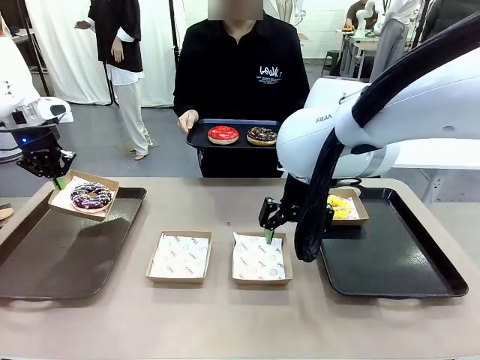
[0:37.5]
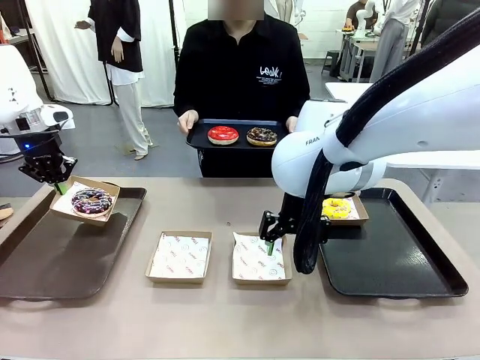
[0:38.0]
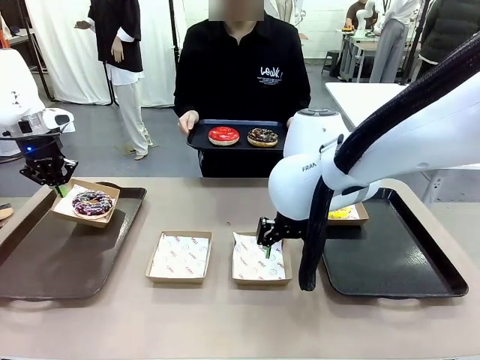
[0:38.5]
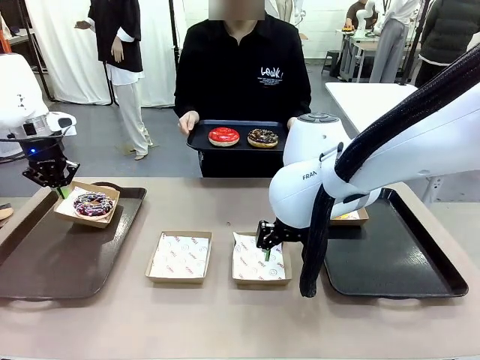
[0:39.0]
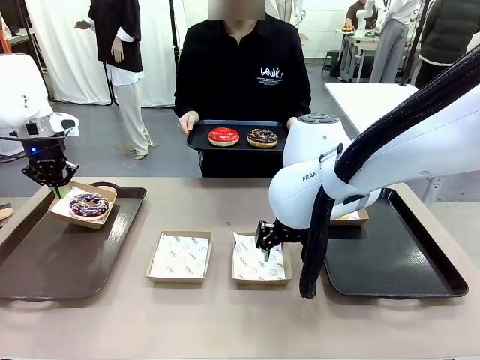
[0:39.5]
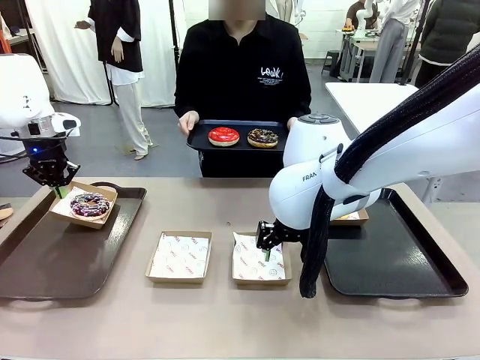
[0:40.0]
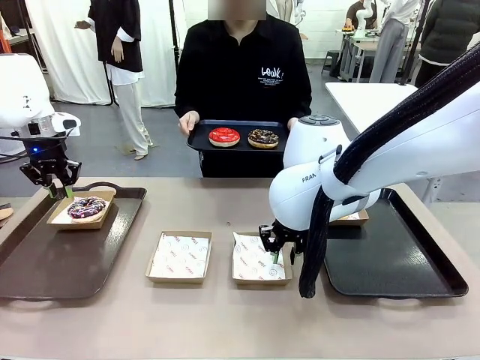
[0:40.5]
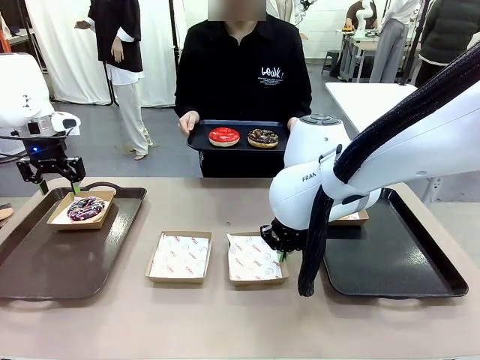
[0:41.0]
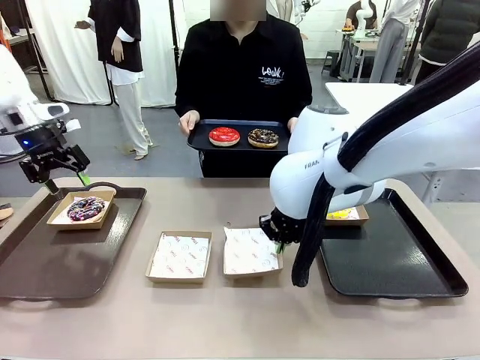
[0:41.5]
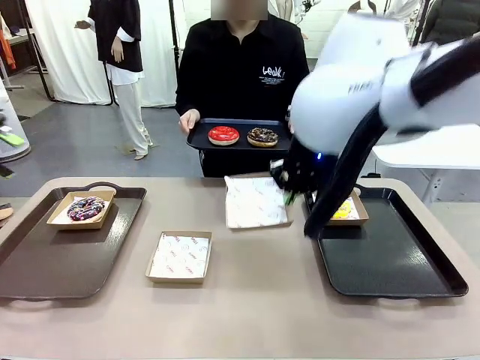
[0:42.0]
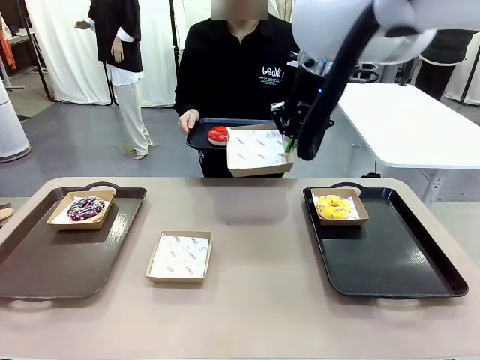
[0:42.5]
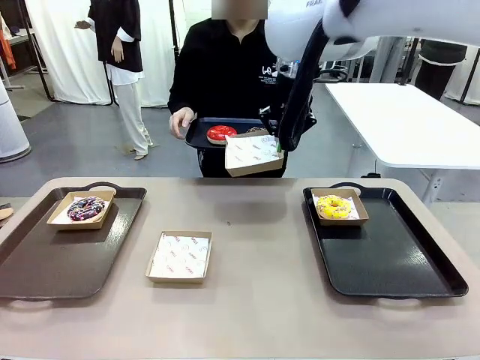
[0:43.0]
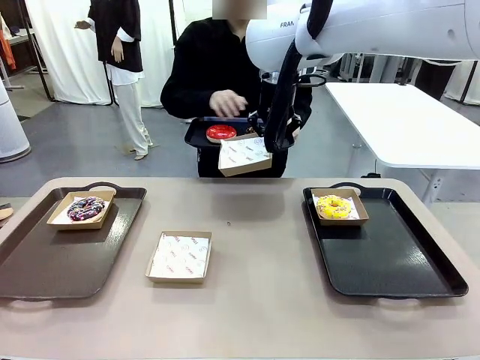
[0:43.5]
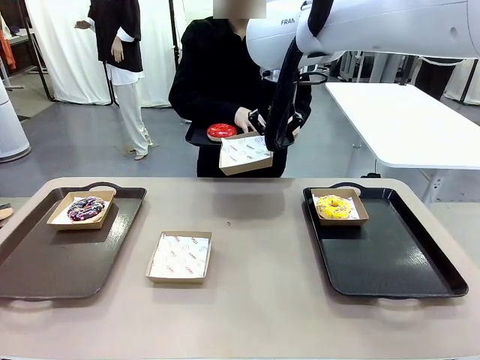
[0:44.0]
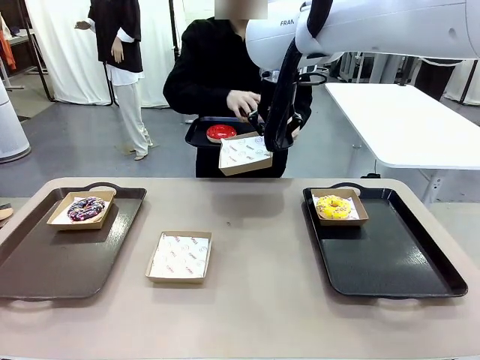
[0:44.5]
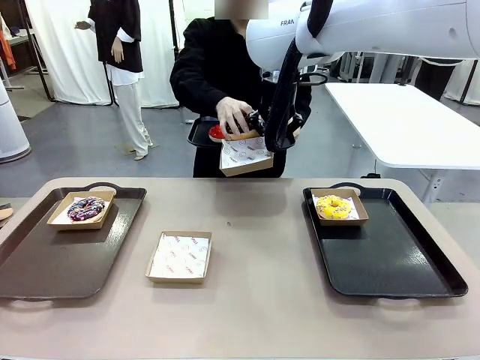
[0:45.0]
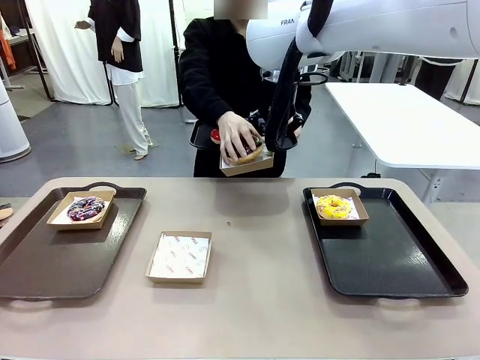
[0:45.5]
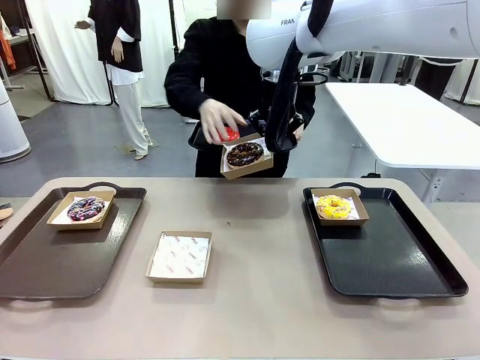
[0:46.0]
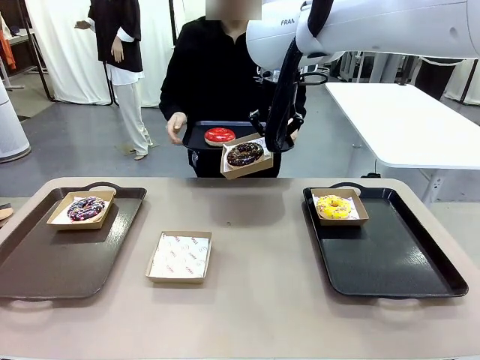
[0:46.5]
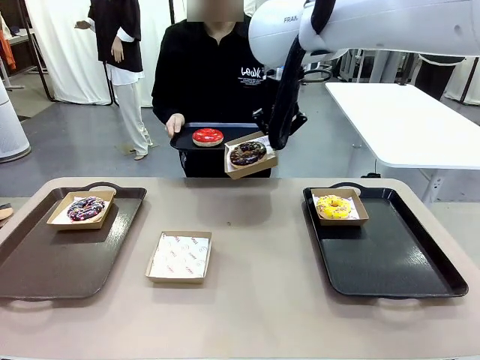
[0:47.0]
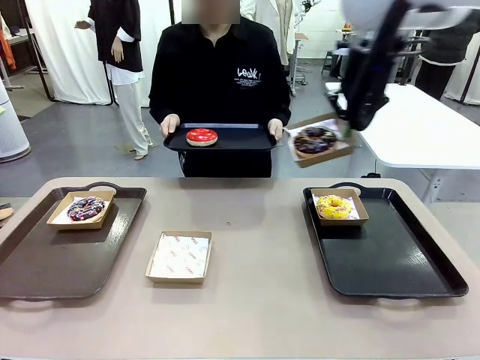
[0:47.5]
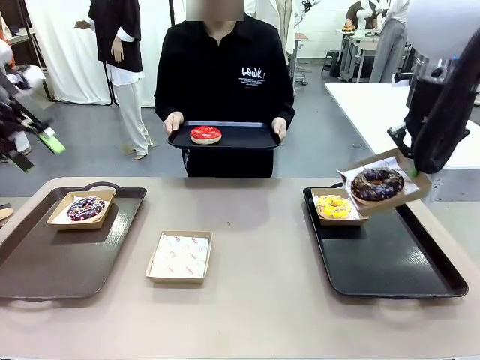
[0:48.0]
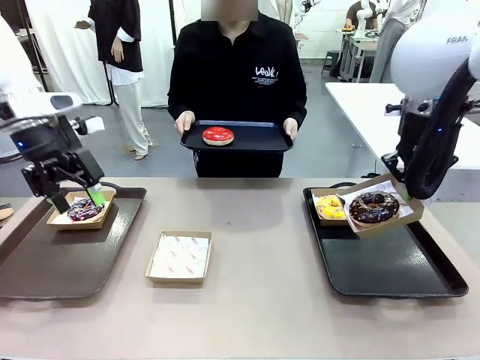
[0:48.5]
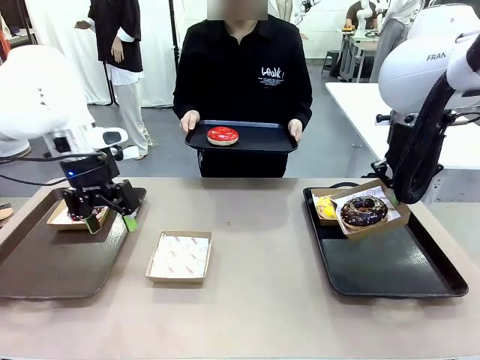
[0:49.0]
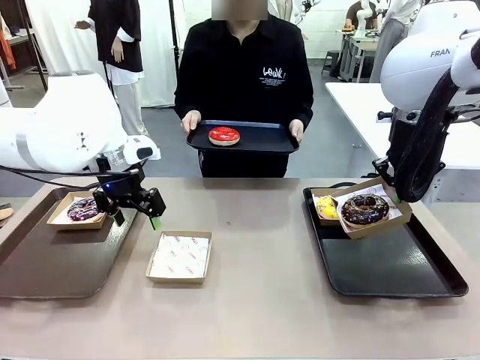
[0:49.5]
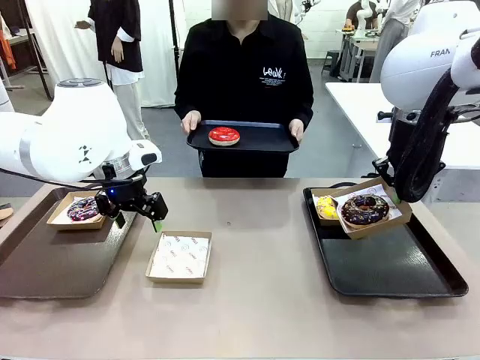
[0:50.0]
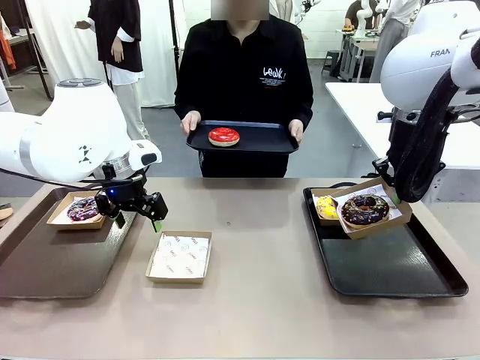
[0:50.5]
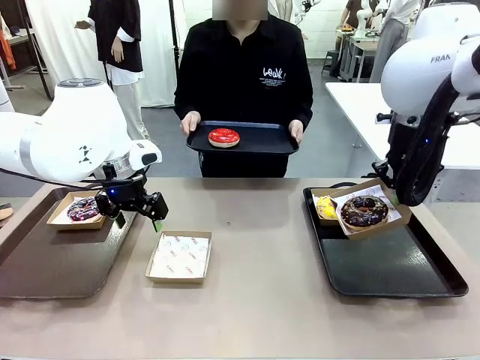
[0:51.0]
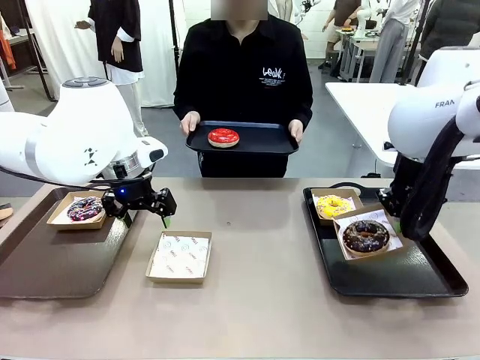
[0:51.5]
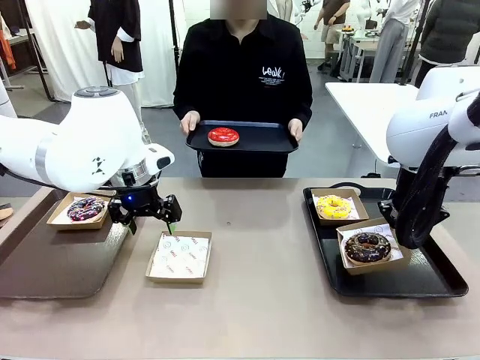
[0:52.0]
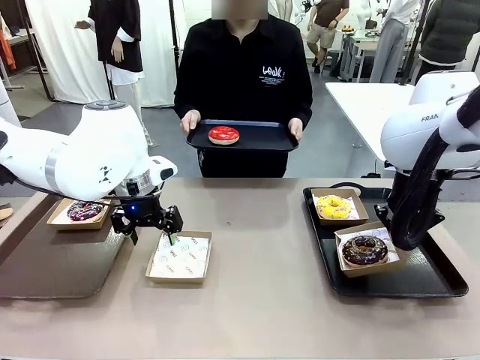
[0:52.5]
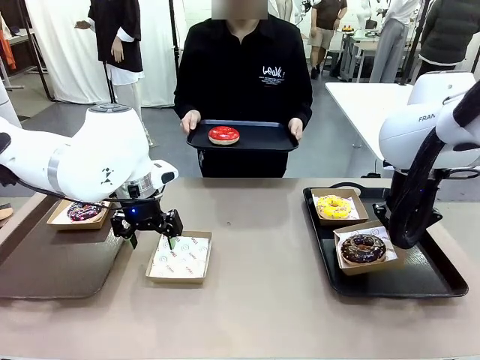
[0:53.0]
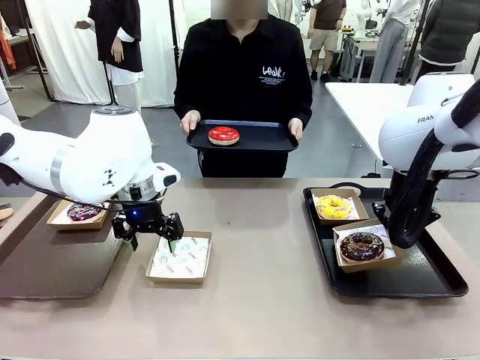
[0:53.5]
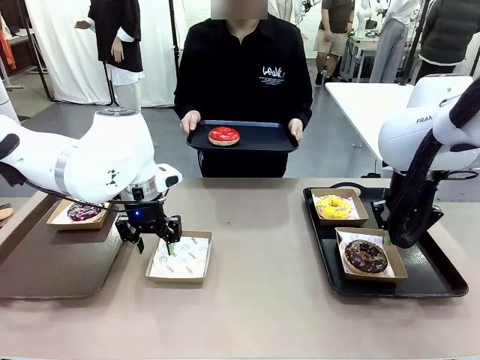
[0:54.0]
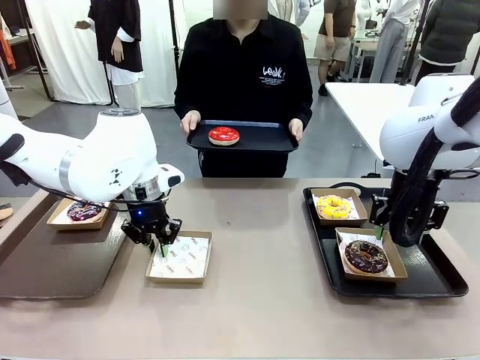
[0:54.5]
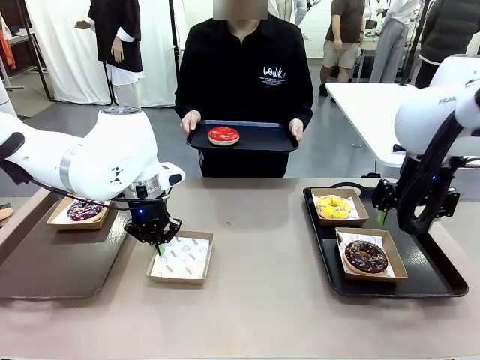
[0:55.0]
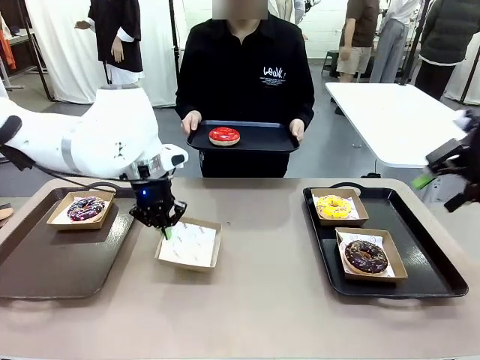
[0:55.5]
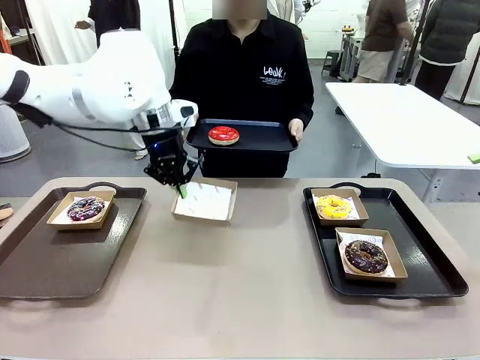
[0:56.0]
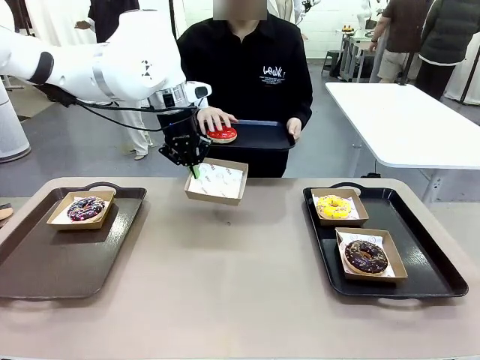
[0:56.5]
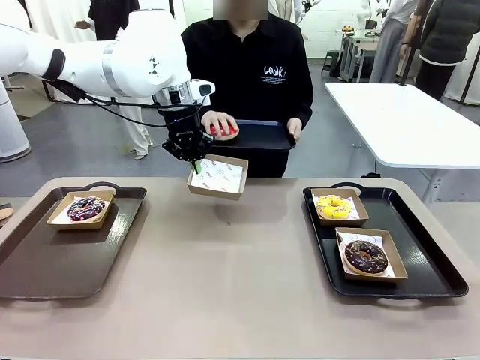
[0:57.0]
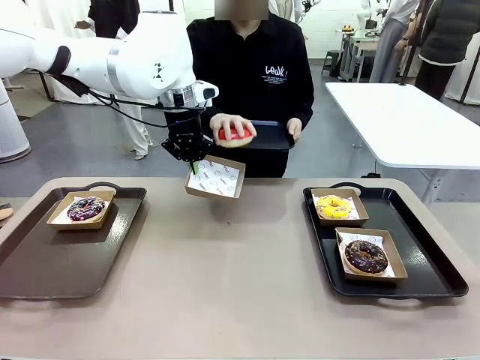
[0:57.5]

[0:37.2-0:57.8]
Task: Individually package the donuts and arrange them on the tray.
Robot: Place the picked Paper togo box on the Handle tray while simultaneously picking up another Paper togo box from the table with the other hand.

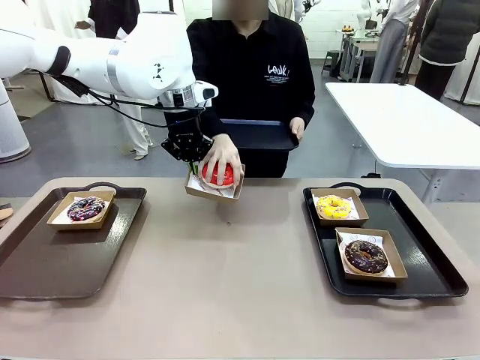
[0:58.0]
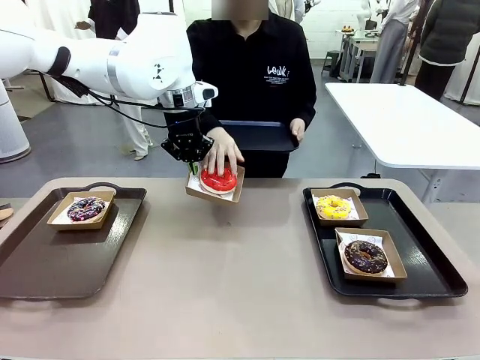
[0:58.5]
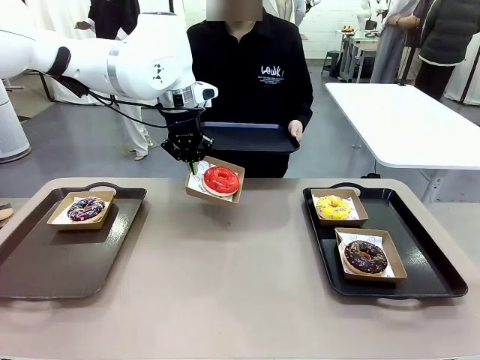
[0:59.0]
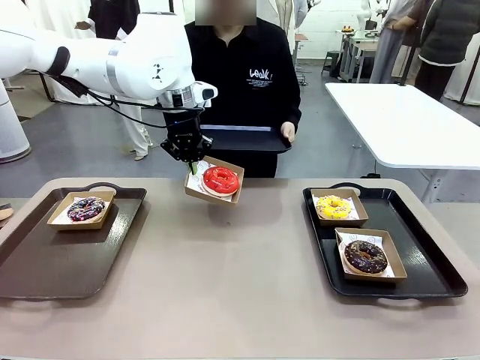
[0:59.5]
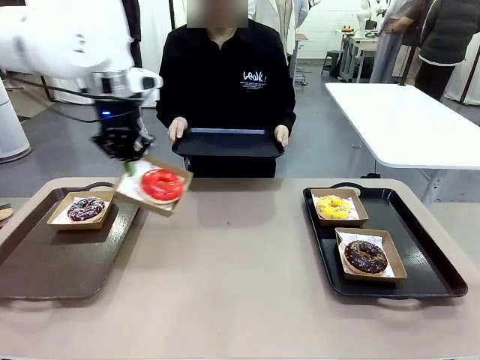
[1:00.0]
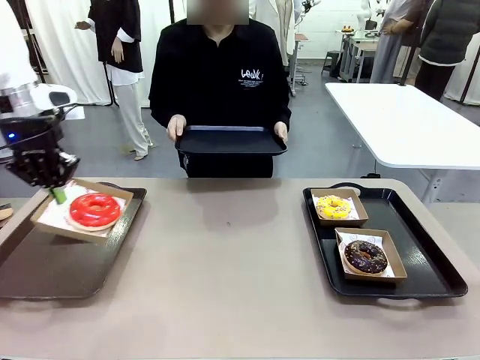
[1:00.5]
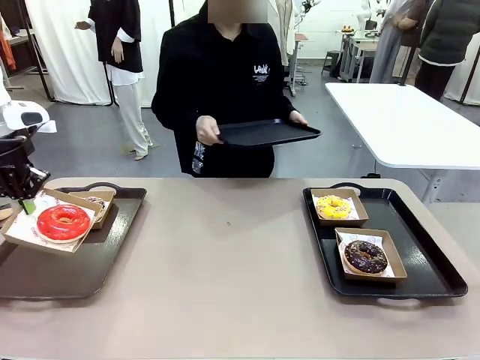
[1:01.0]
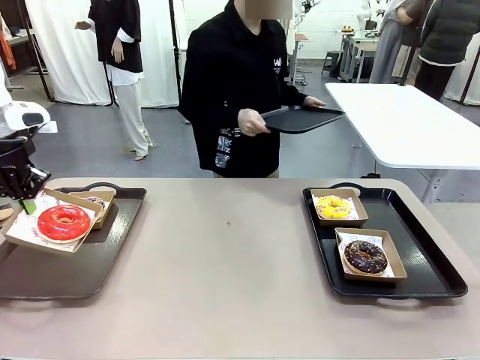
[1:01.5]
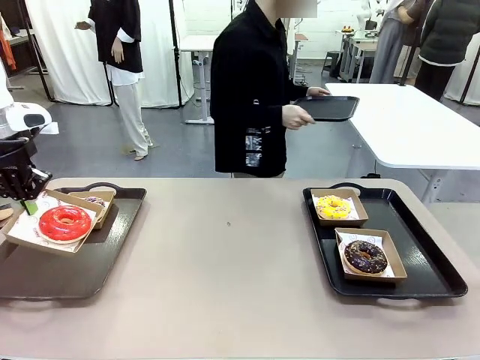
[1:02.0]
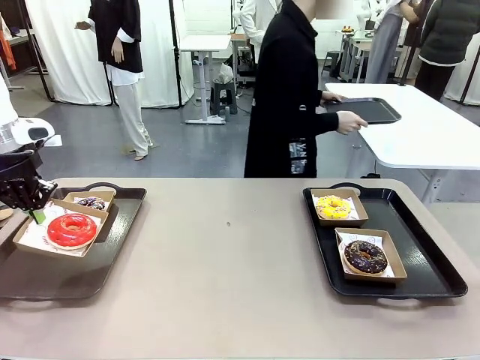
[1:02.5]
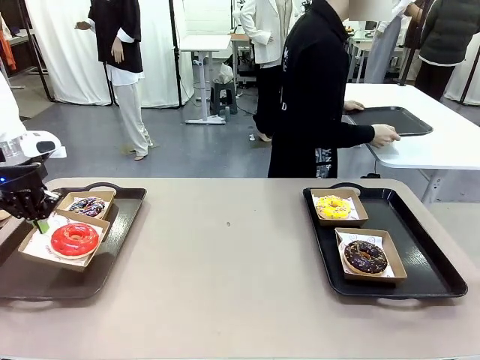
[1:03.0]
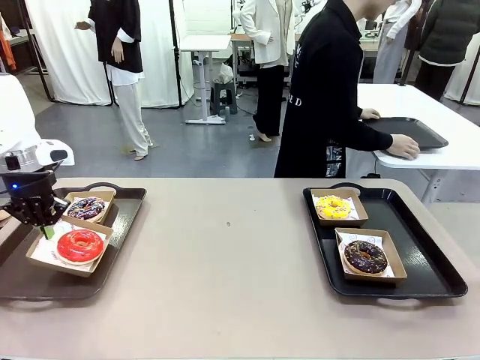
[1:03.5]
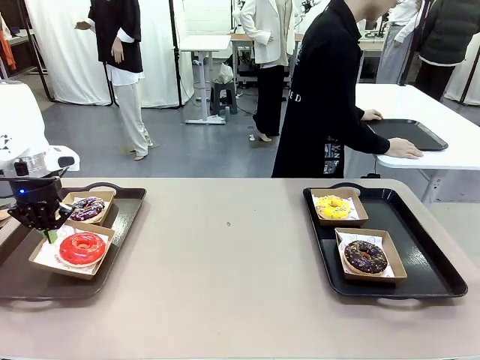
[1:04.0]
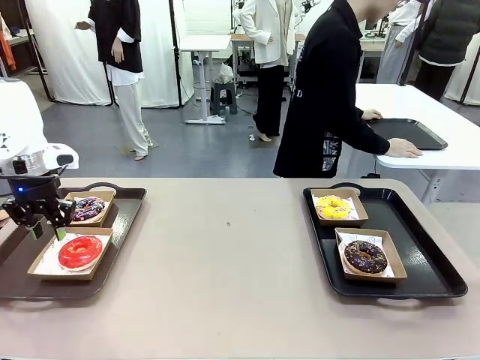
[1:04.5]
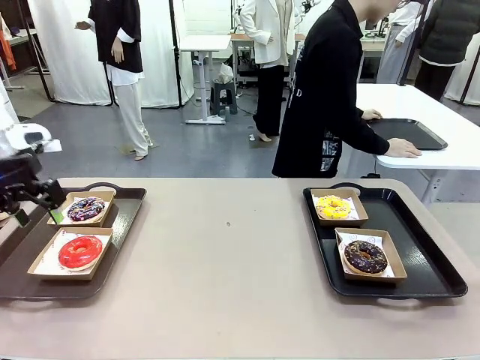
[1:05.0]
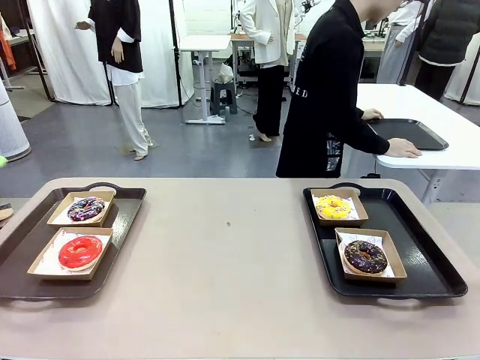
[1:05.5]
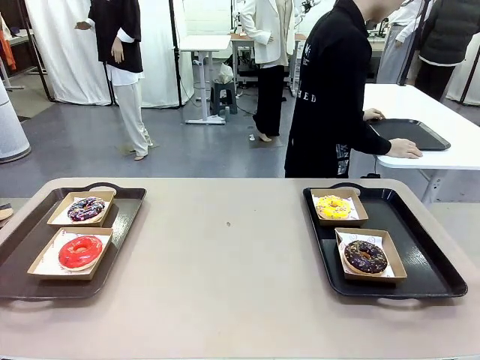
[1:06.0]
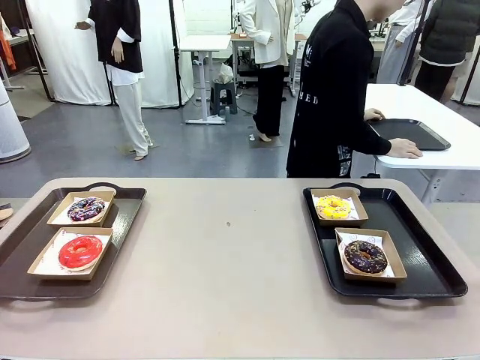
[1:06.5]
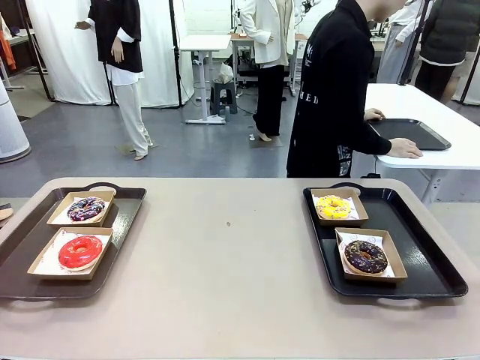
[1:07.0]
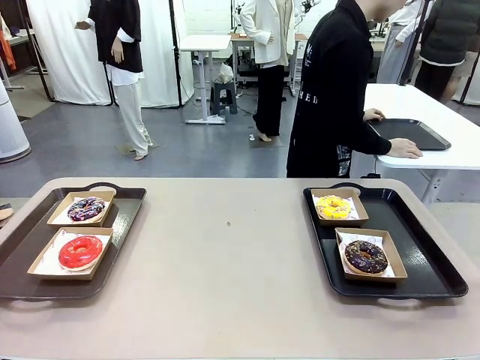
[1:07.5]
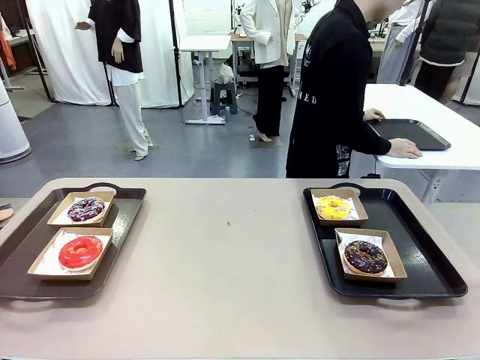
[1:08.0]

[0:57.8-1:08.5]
Robot: Place the picked Paper togo box on the Handle tray.
Person: Place the tray down in the middle of the human table.
